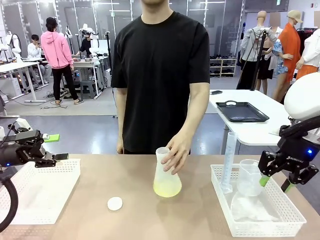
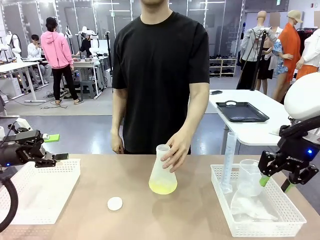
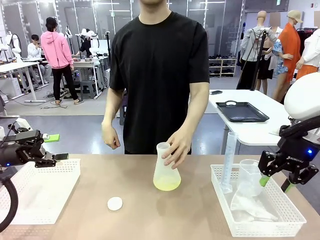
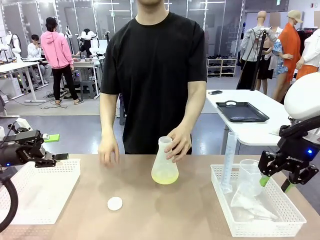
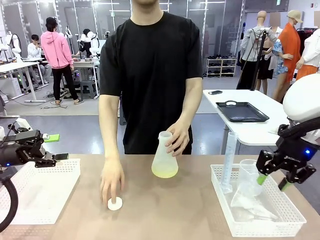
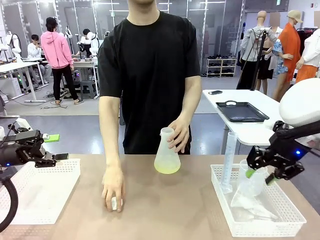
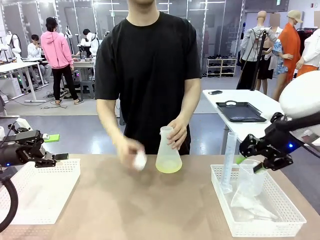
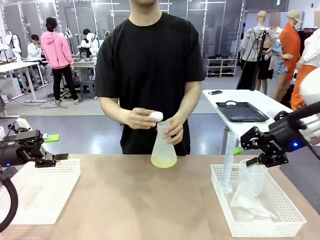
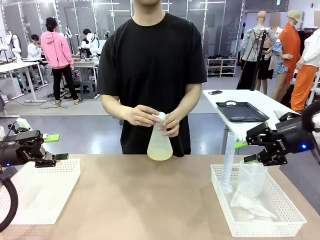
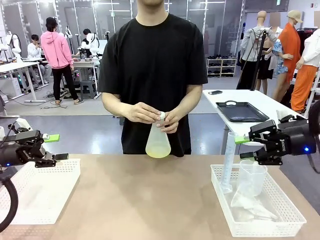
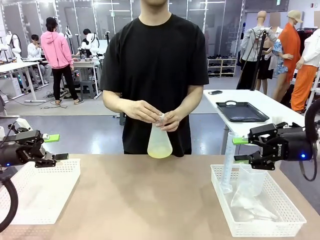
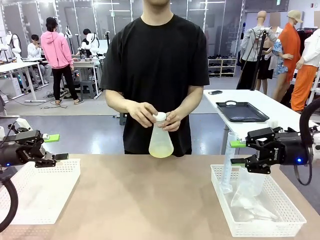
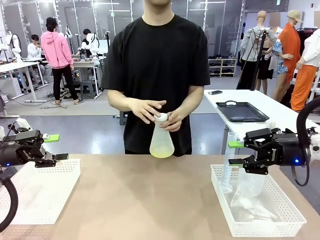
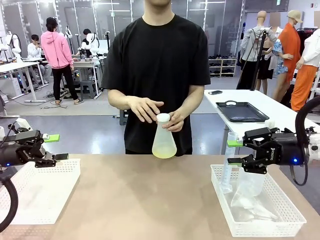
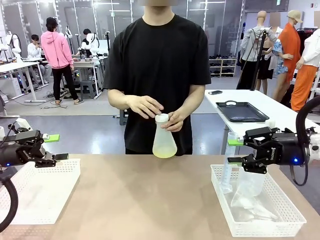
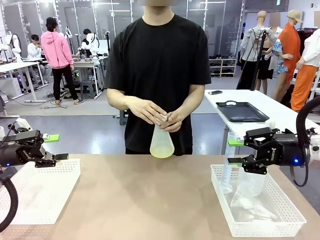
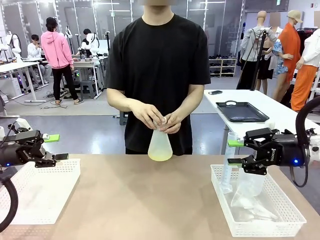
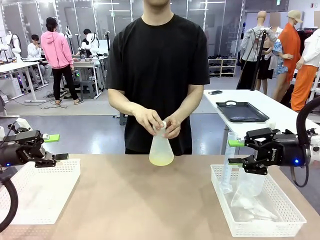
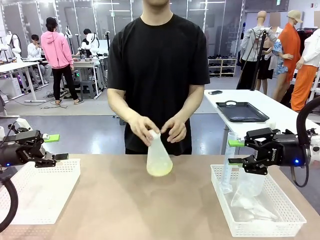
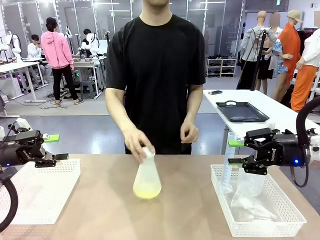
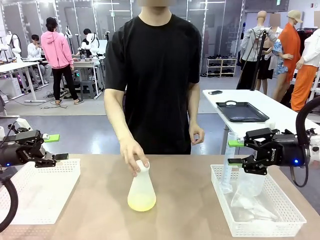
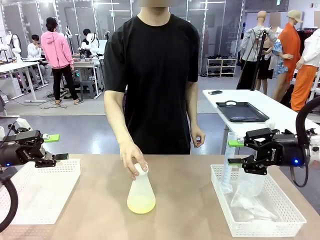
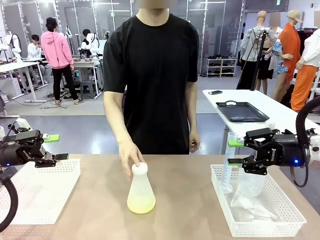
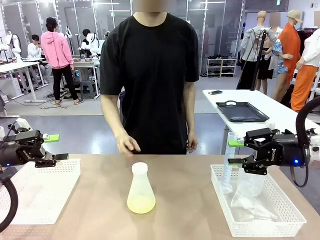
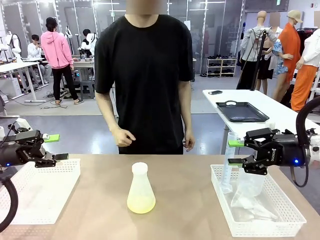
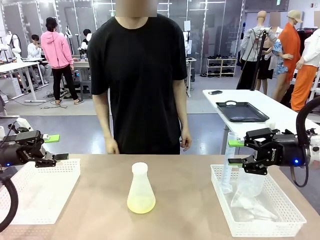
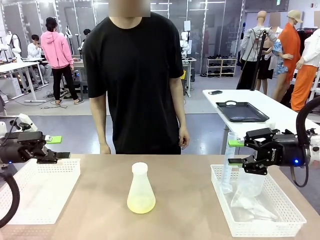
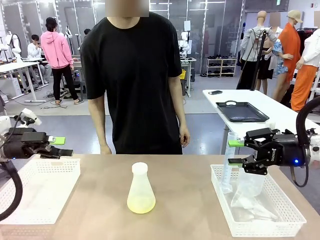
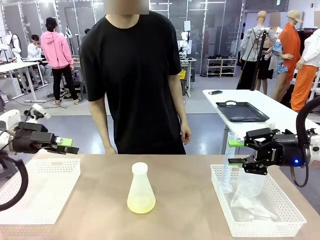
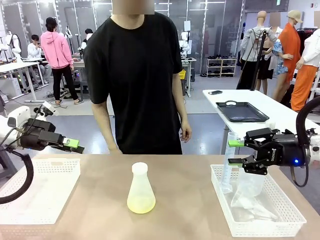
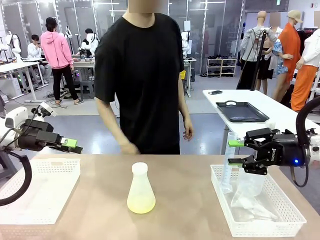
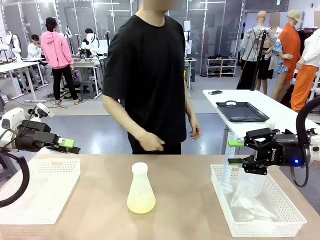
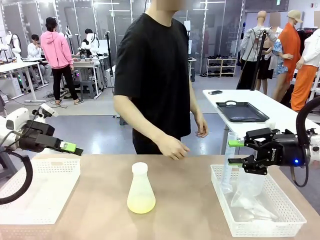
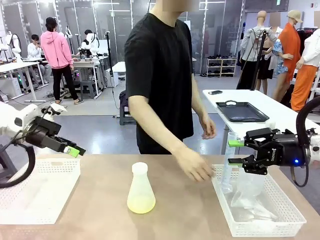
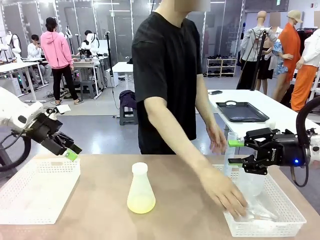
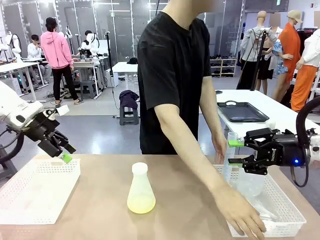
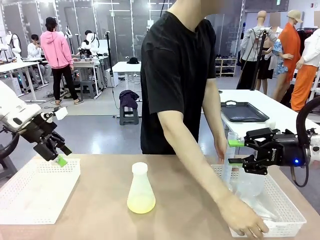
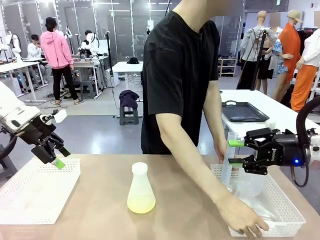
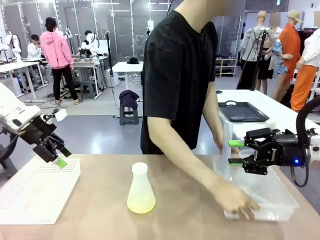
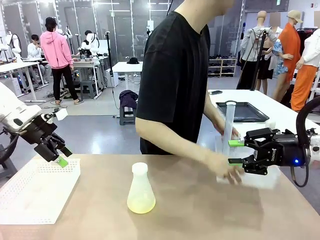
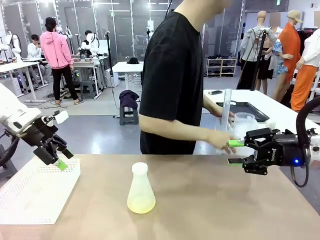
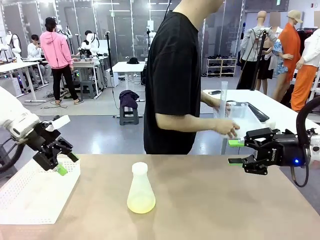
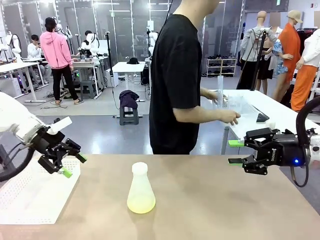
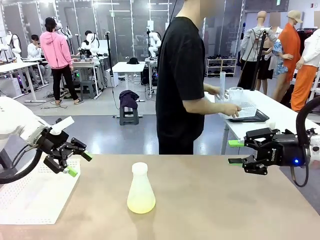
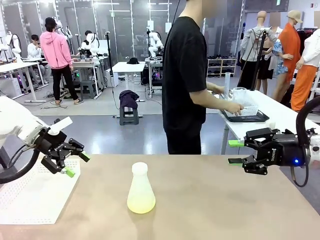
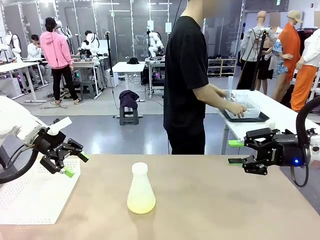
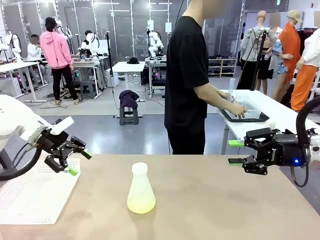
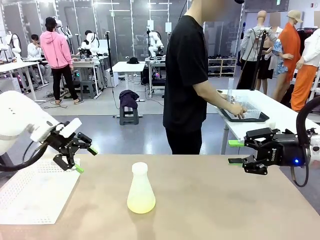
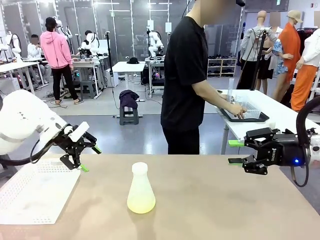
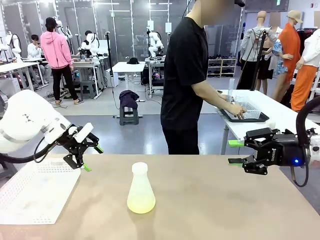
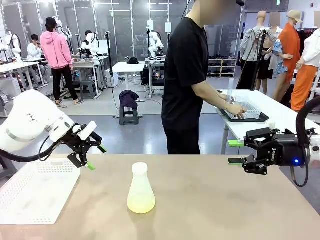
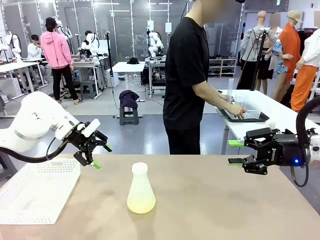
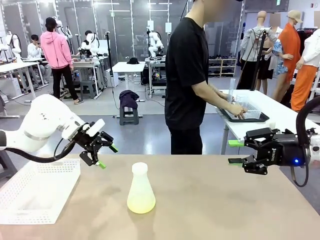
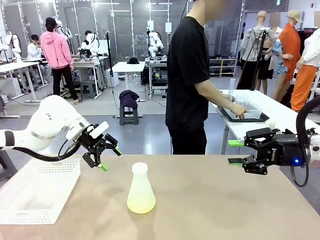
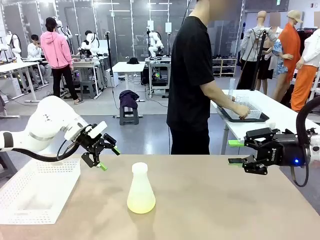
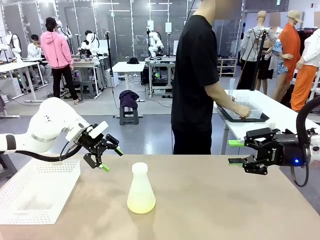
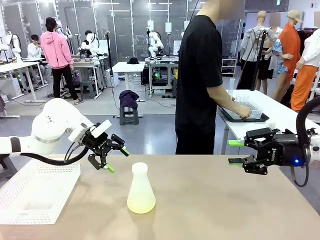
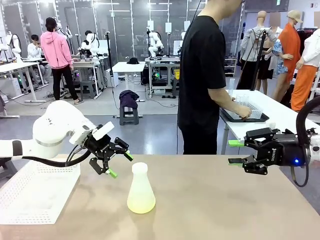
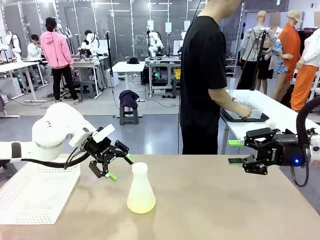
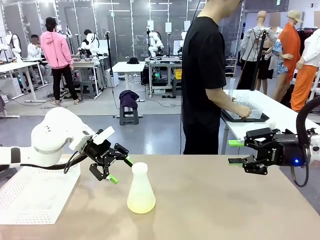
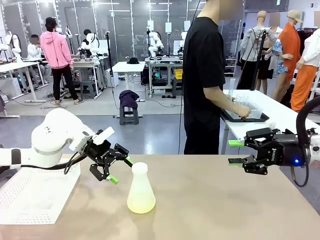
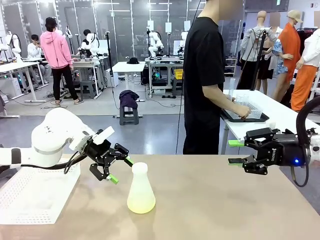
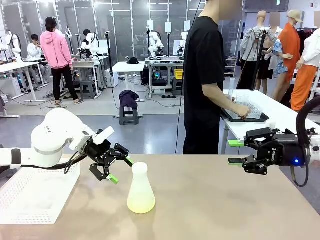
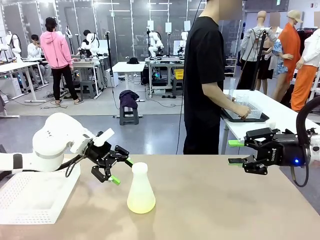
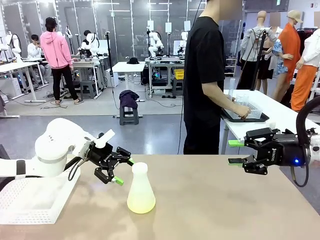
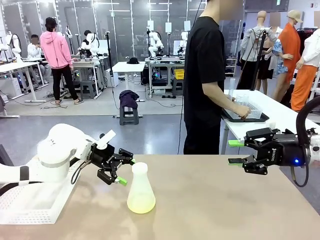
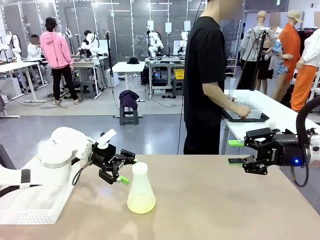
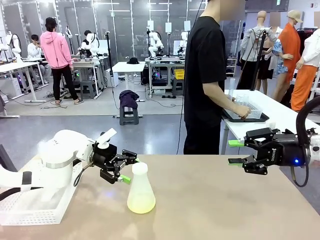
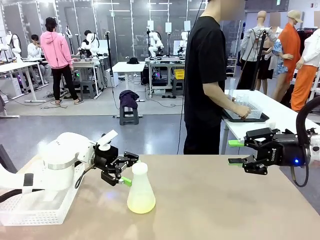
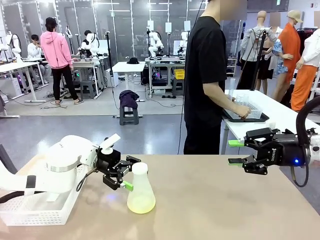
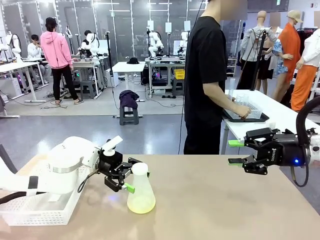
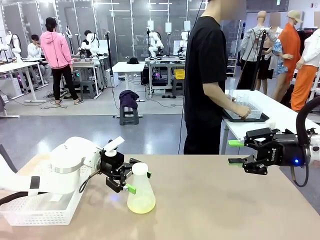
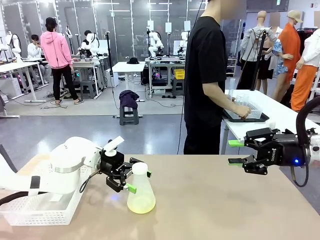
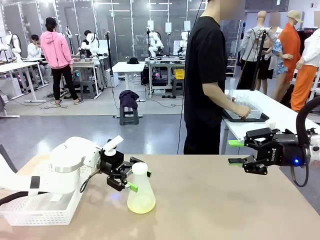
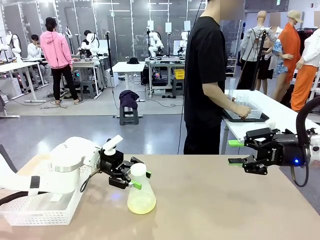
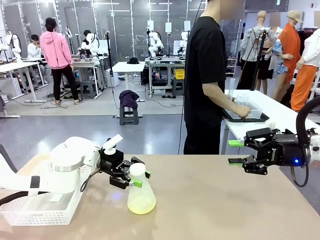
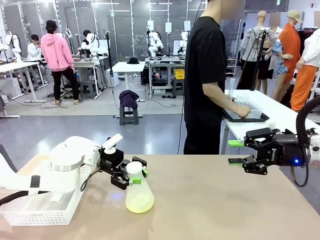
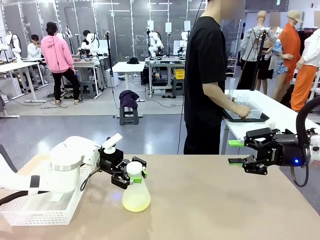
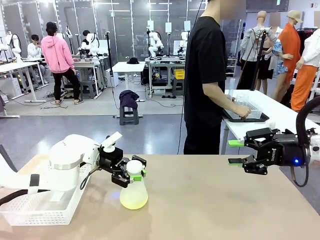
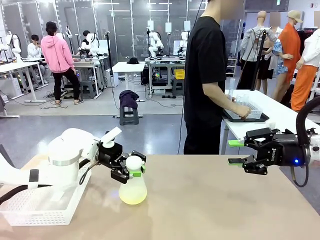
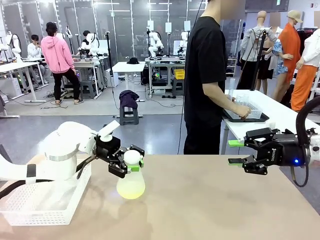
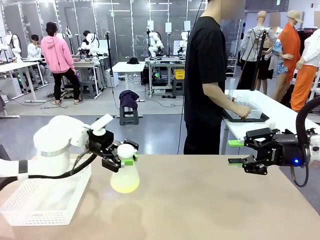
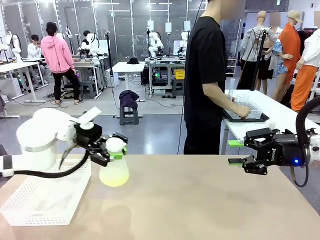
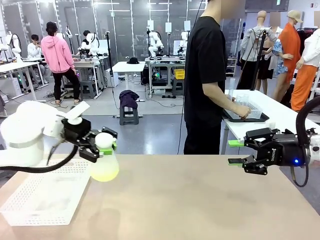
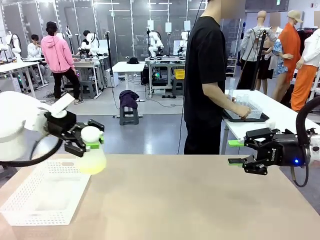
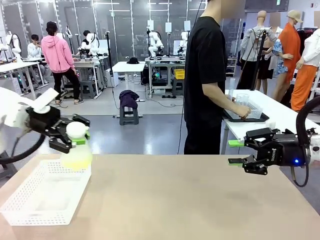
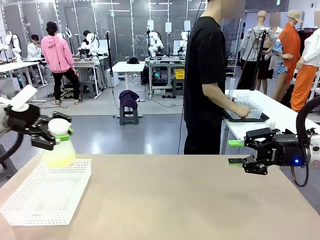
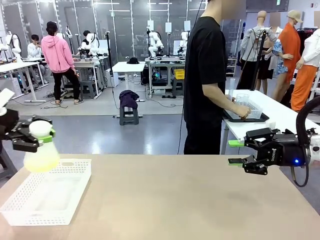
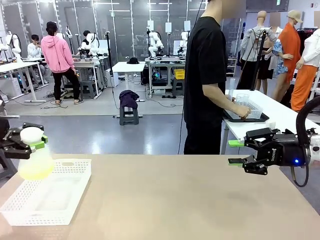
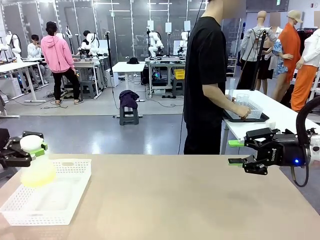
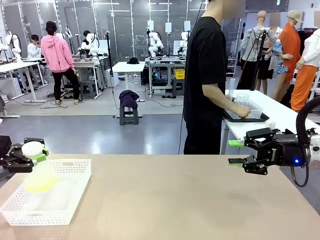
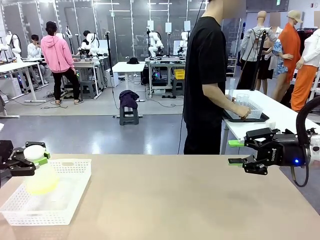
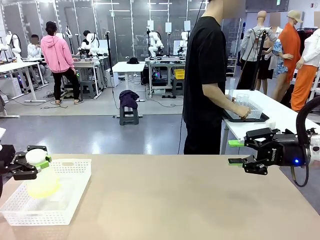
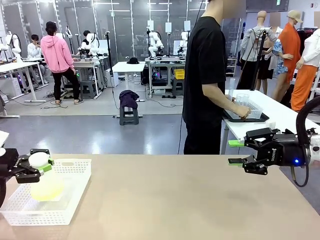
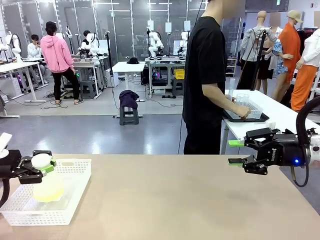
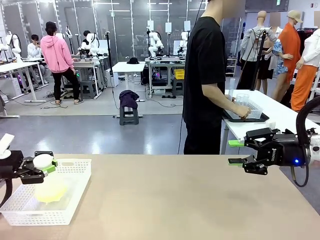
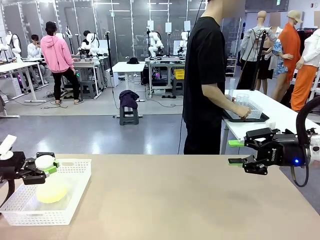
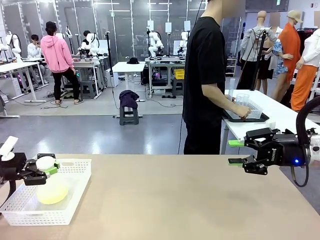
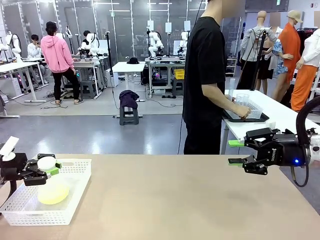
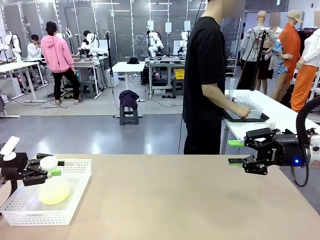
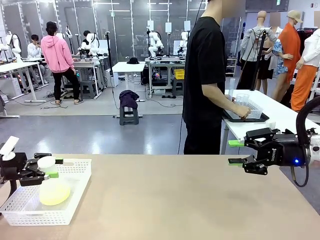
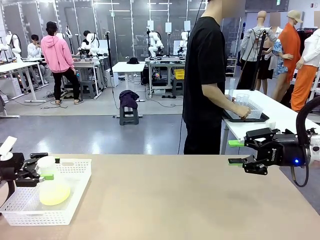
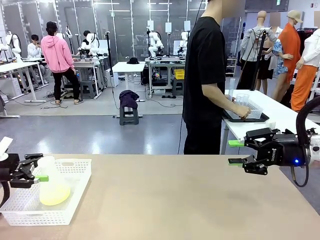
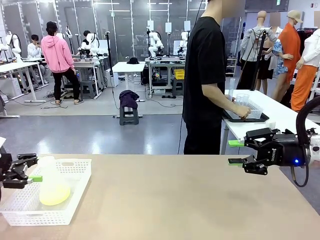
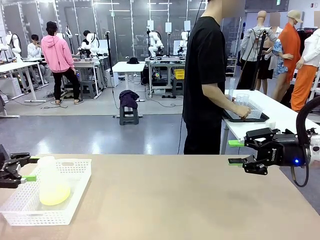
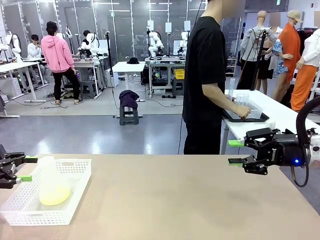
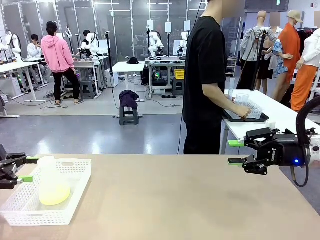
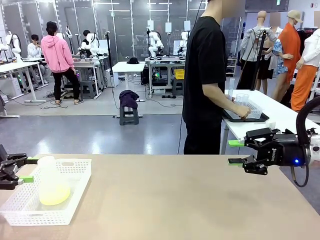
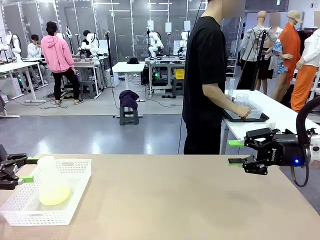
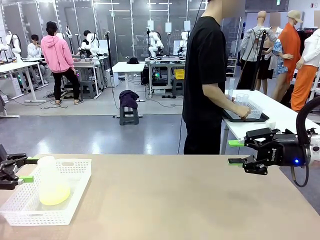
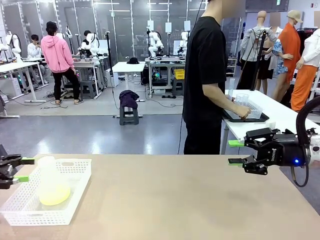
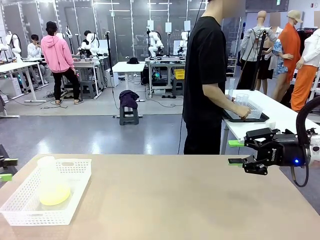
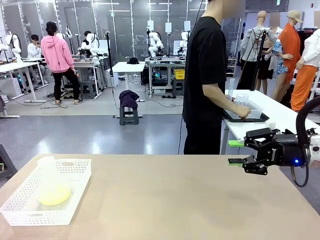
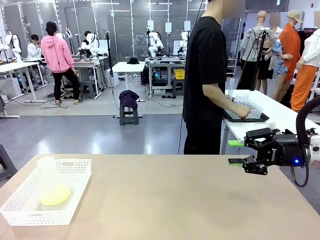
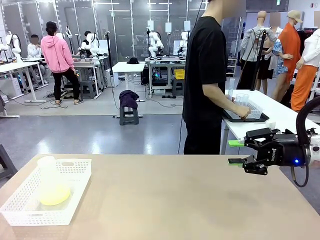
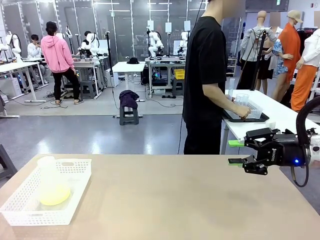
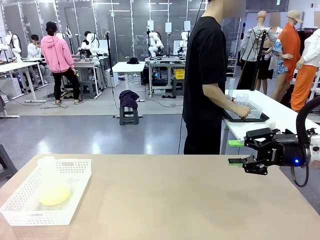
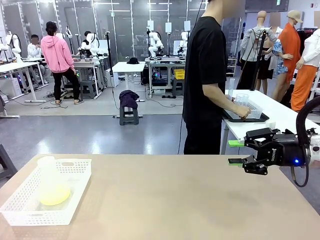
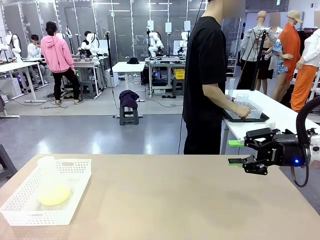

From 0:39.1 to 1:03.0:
Task: Prepare the solutions needed for the experiment.
Robot: When the human places the Big flask in the center of the table, pick up the Big flask and place it in the left Organizing basket.
Person: Pick up the organizing basket on the left side of the robot table and place it on the left side of the human table.
